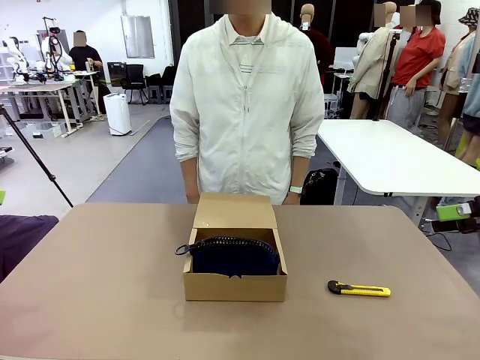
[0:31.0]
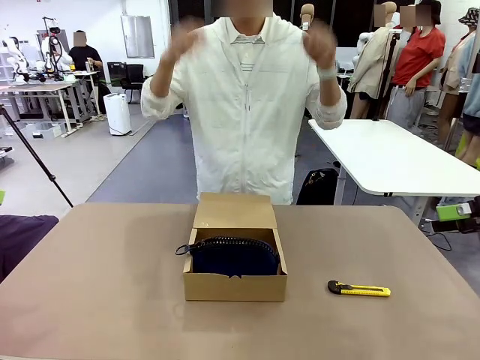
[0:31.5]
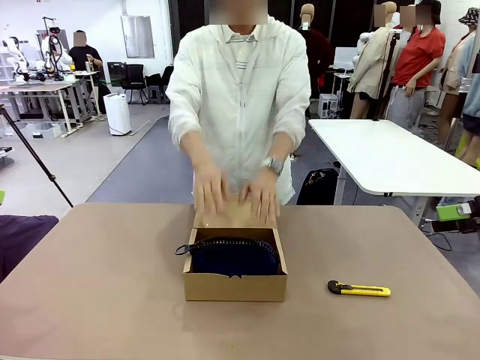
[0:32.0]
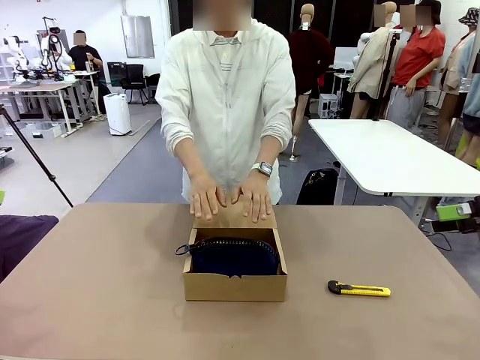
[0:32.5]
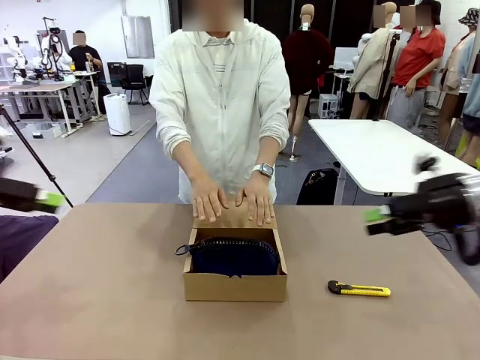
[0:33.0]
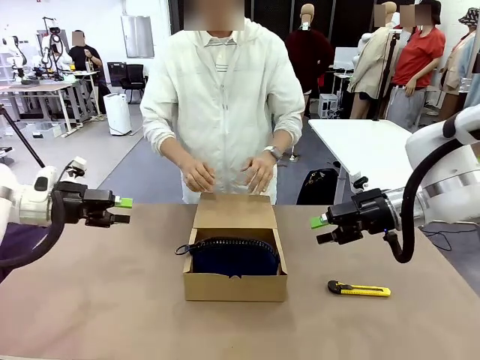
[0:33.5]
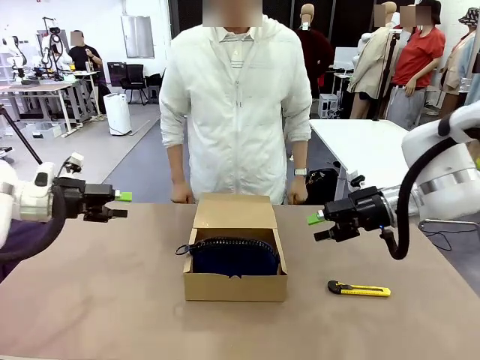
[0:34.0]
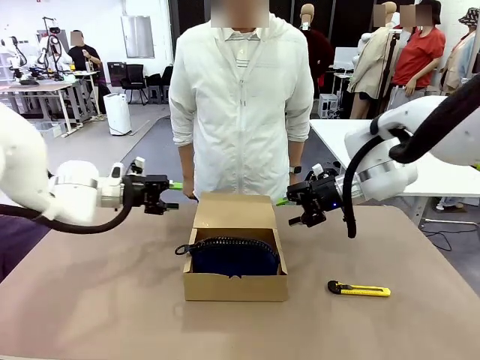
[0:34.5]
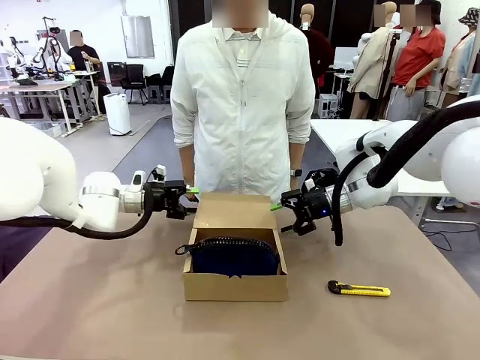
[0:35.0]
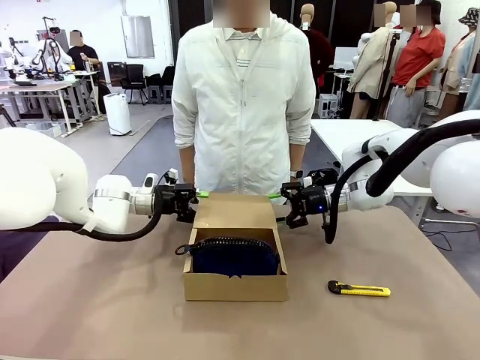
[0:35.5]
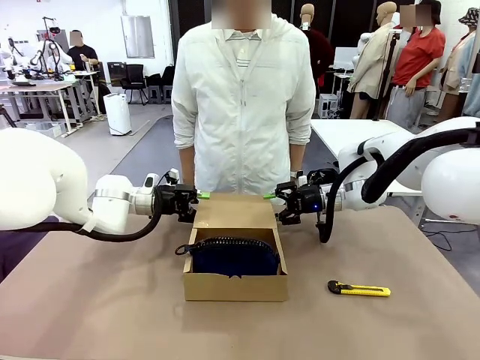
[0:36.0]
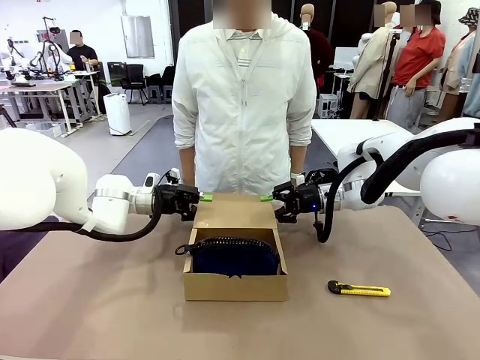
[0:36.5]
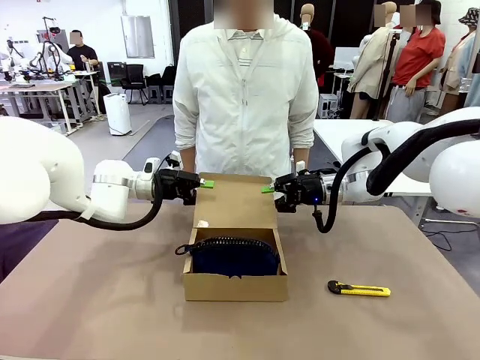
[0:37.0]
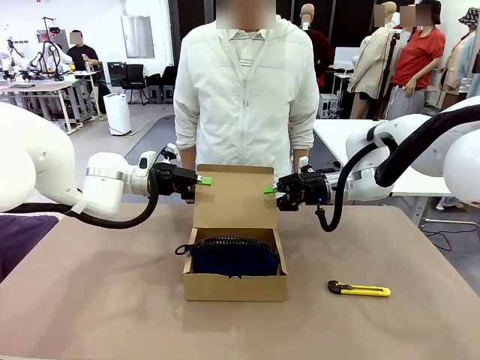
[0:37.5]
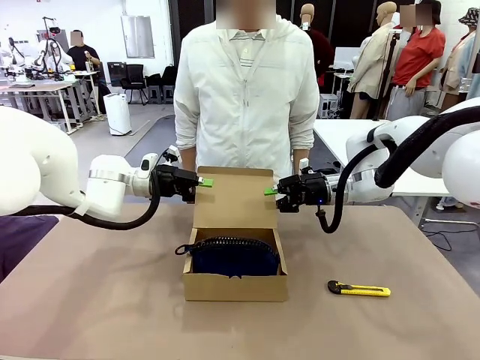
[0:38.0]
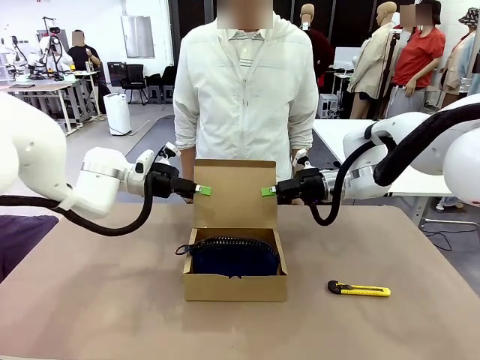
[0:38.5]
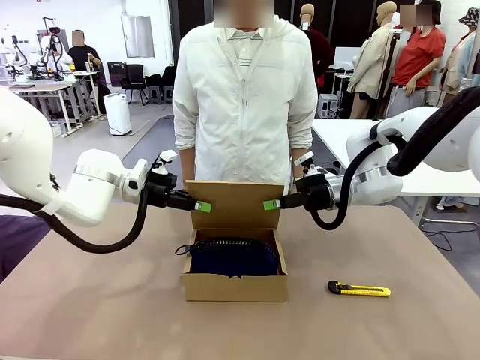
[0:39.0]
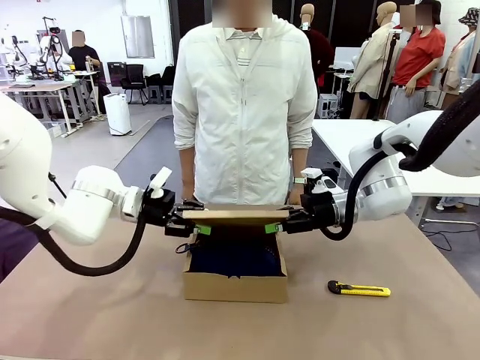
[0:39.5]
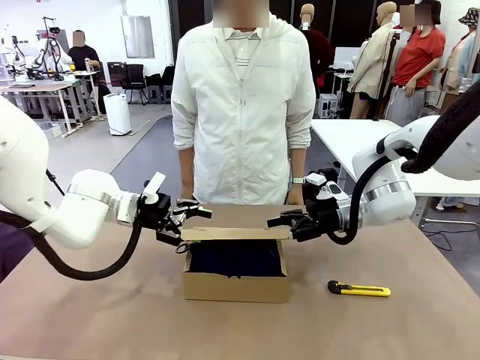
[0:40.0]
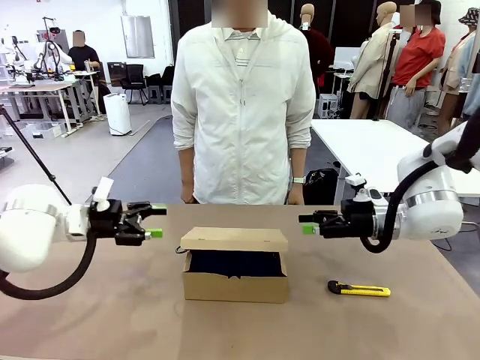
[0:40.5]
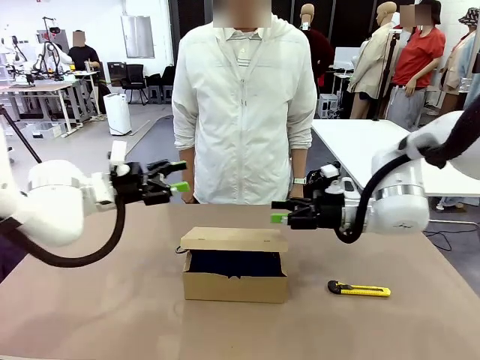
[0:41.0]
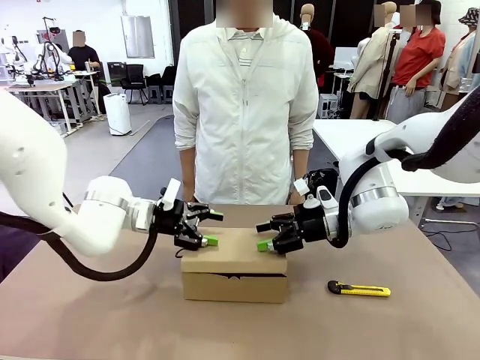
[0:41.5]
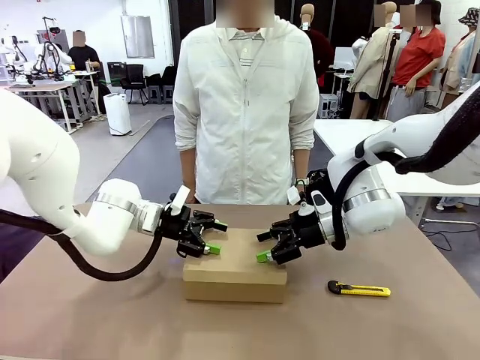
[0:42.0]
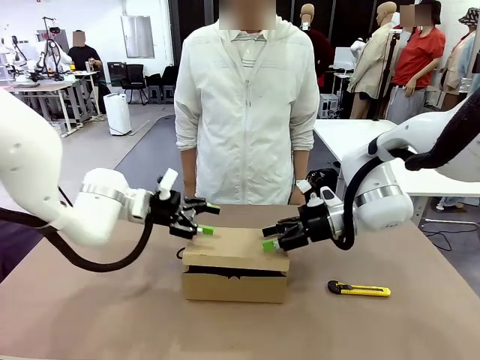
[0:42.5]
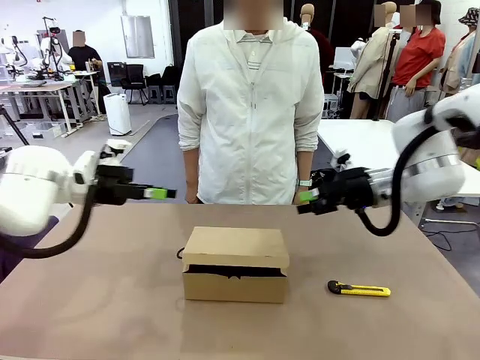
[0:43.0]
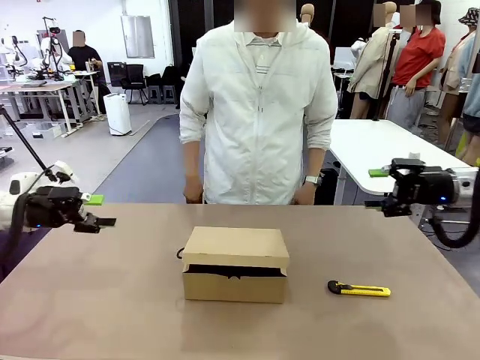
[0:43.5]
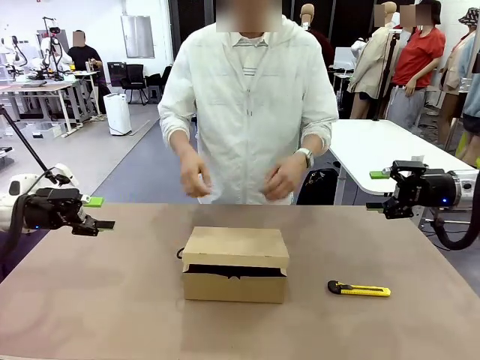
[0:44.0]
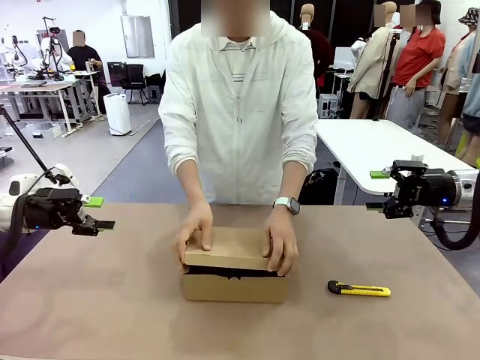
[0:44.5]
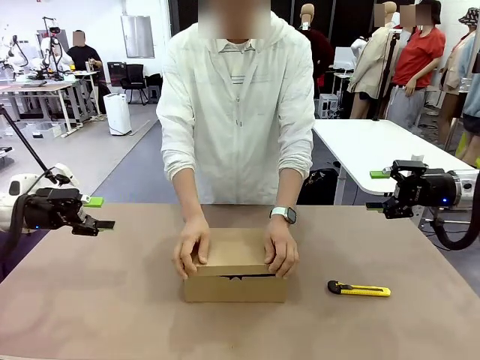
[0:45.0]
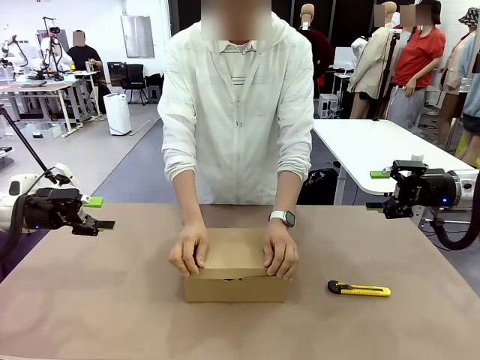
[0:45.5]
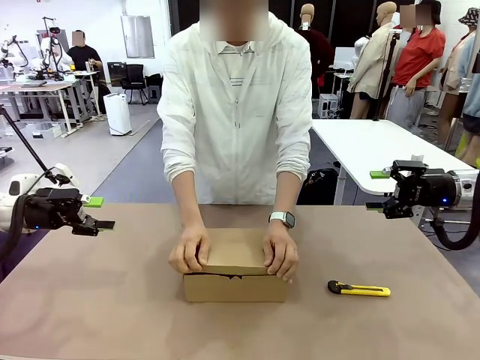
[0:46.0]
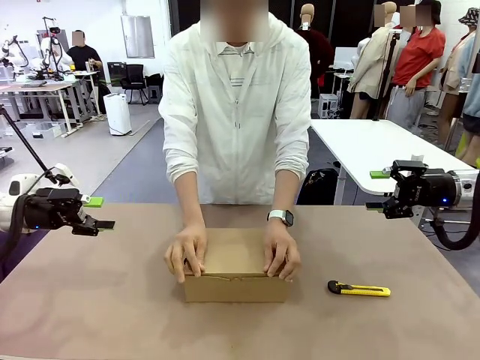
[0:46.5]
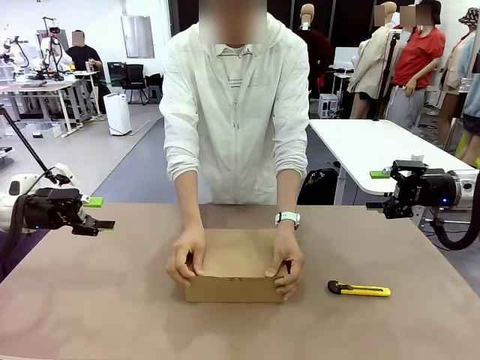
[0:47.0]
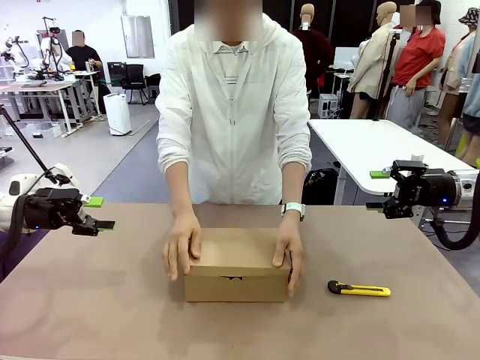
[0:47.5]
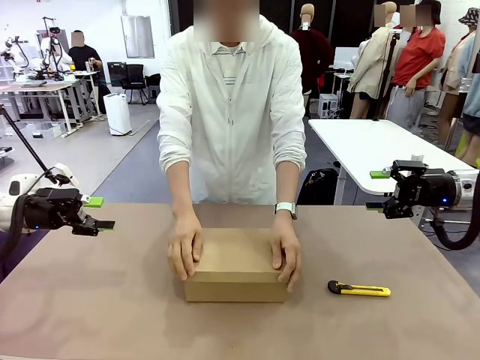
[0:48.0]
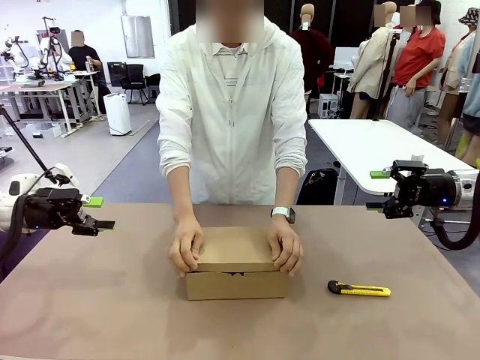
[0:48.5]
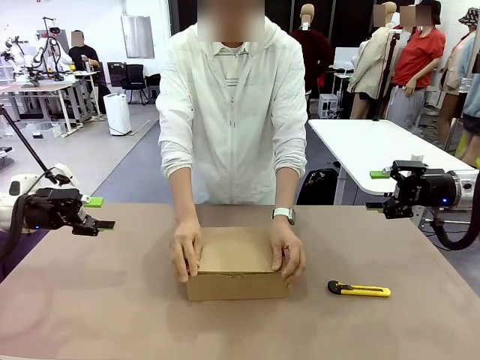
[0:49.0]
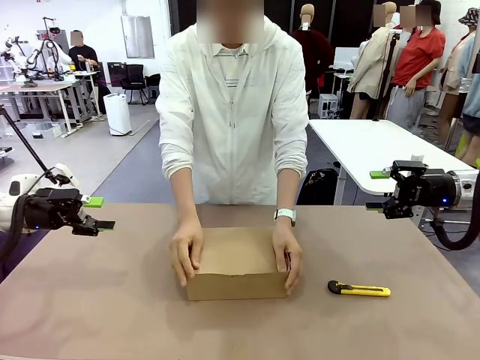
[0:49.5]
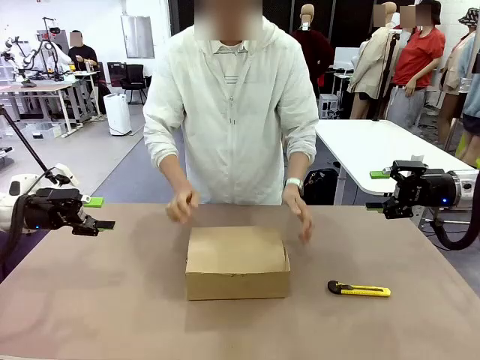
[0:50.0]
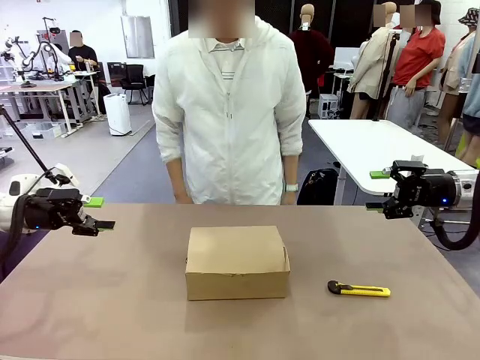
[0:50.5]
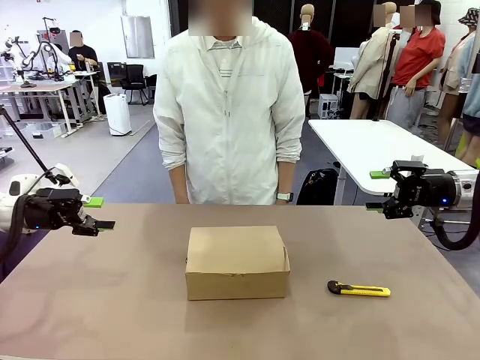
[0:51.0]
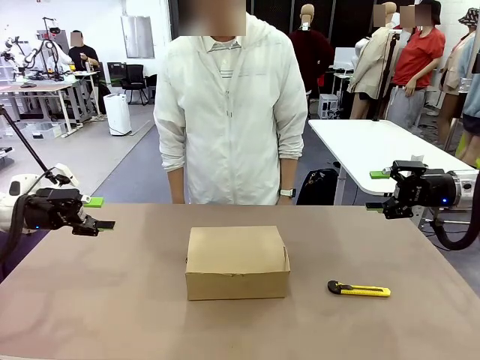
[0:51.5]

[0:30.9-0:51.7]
Task: Pack the items into the box.
Robot: Close the Mailer Box.
Person: Turn the box and lock it.
